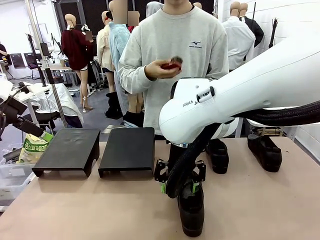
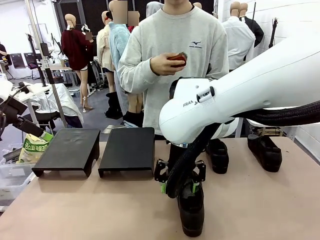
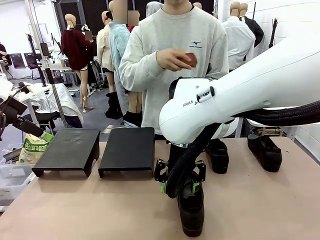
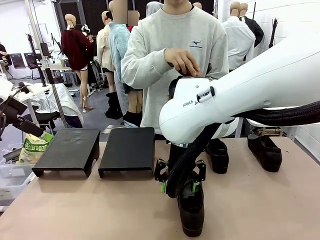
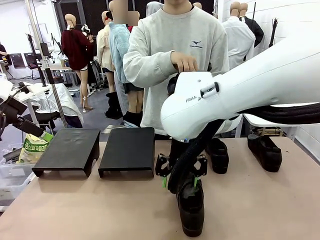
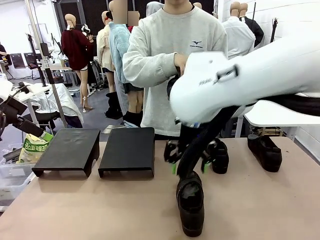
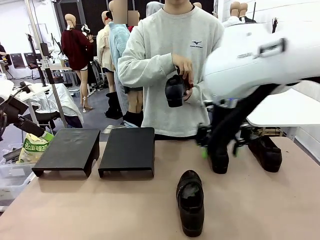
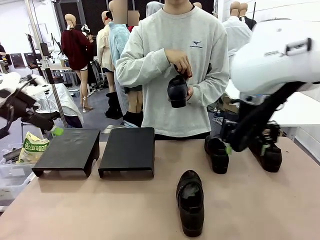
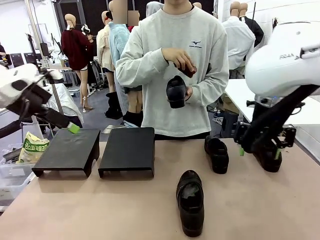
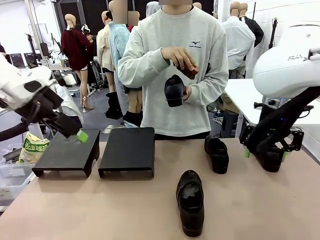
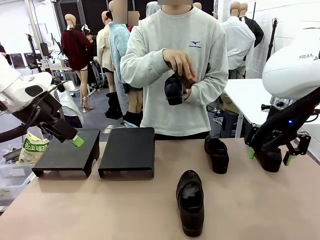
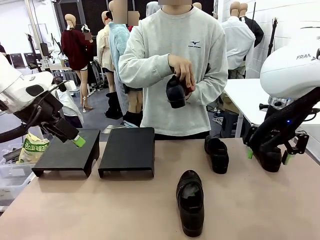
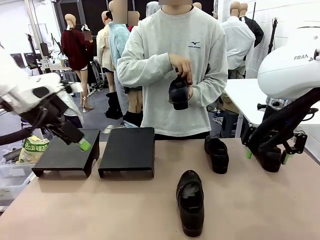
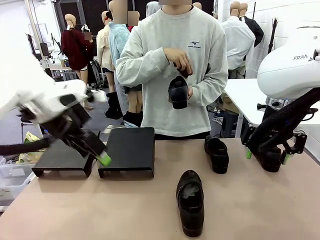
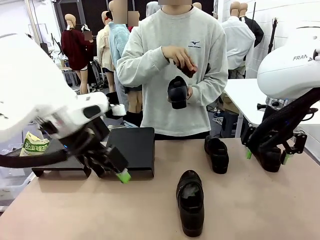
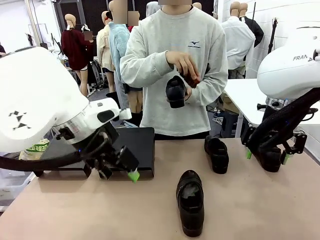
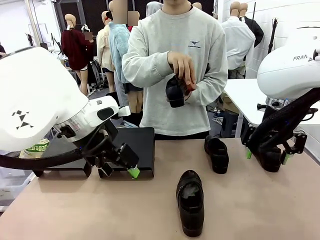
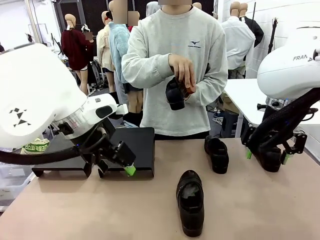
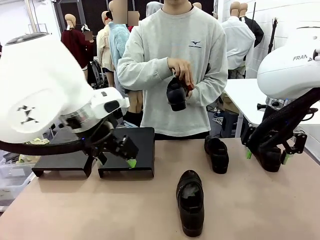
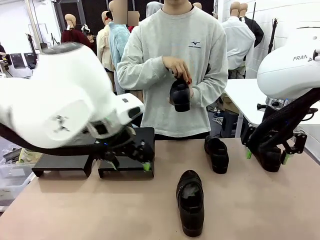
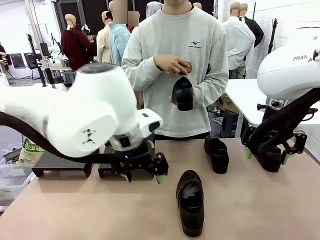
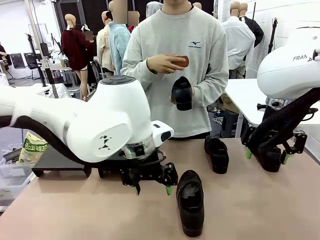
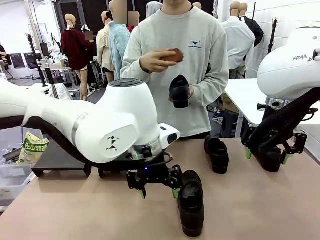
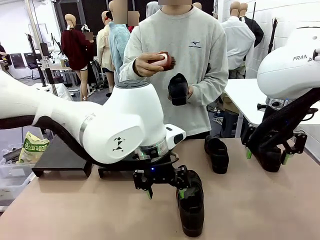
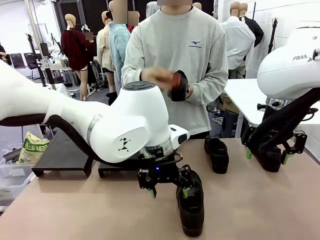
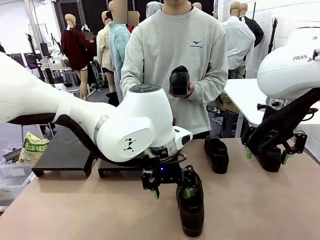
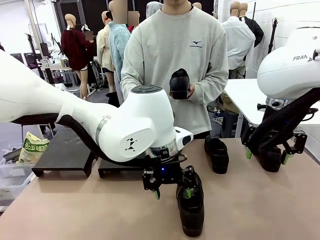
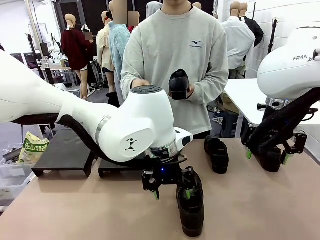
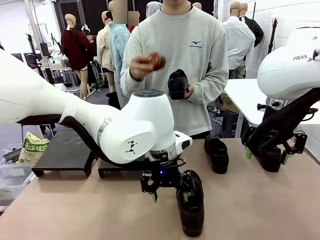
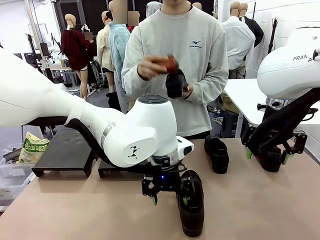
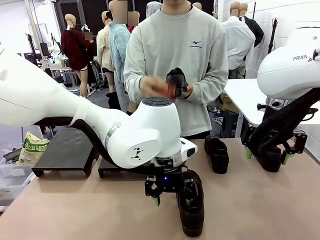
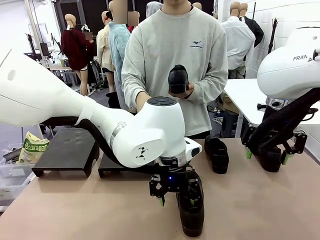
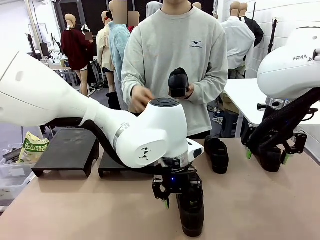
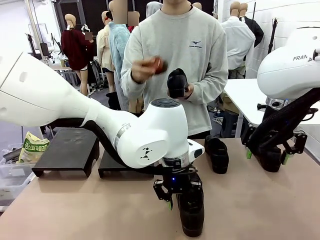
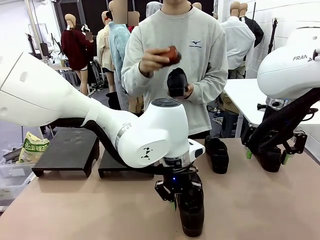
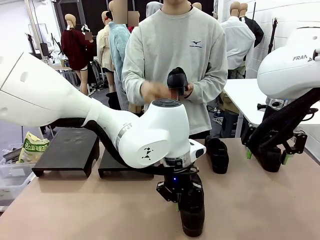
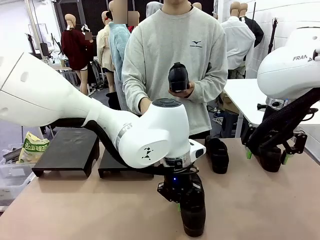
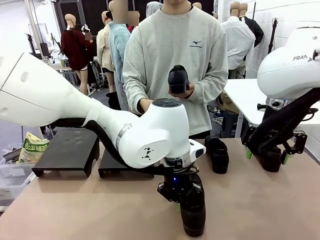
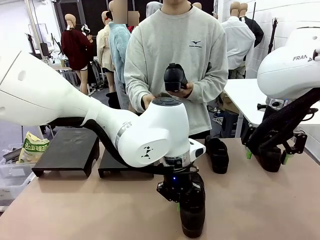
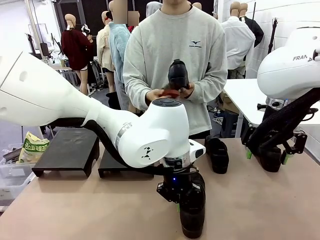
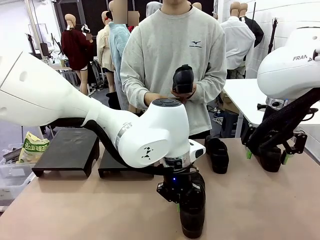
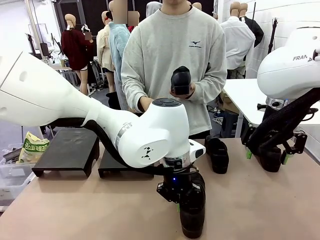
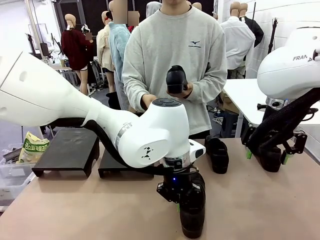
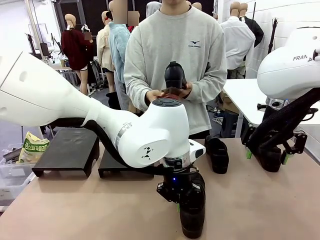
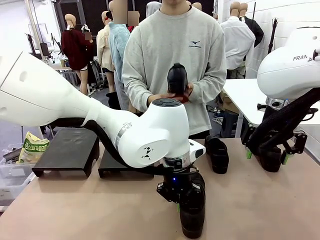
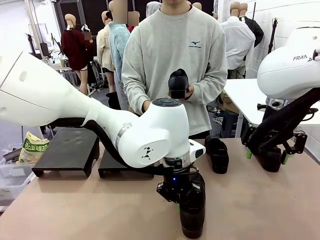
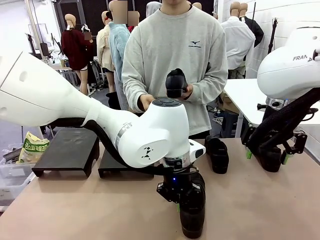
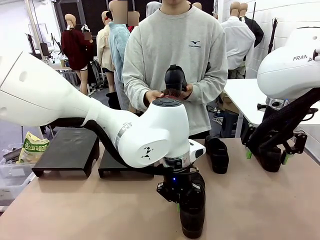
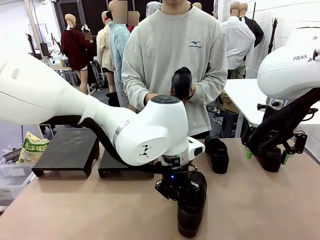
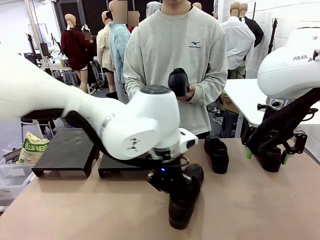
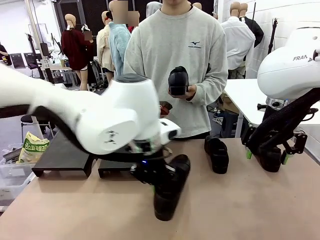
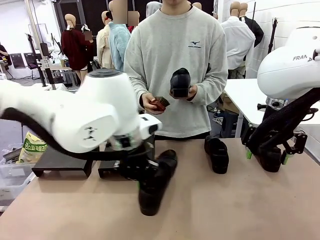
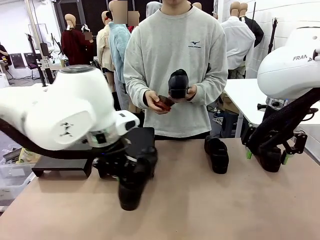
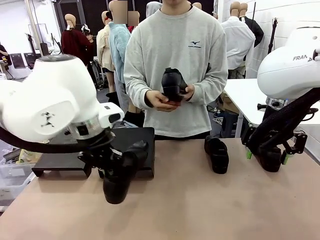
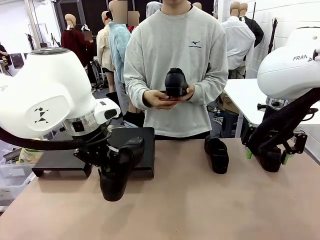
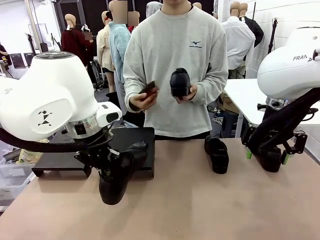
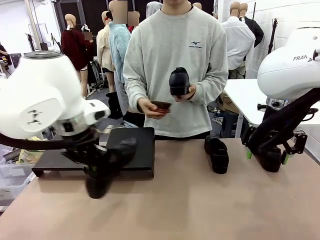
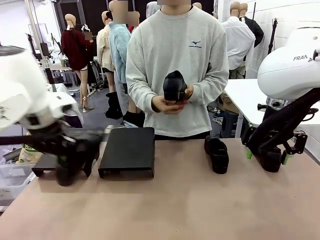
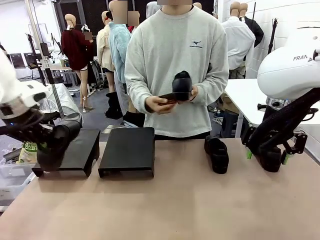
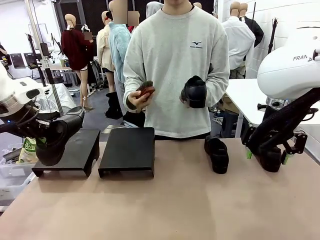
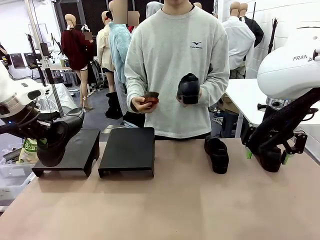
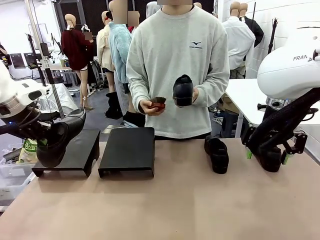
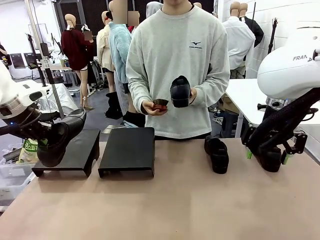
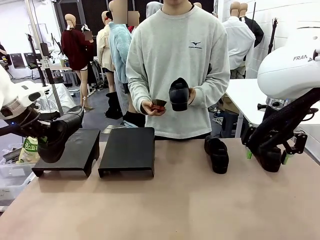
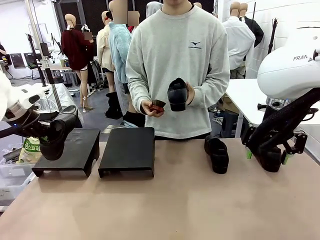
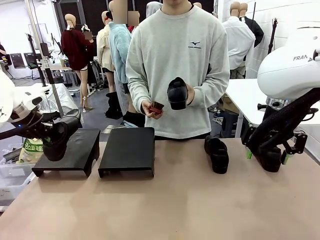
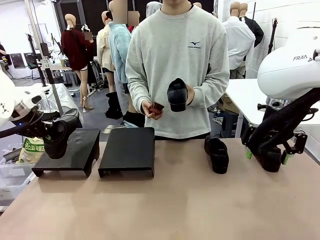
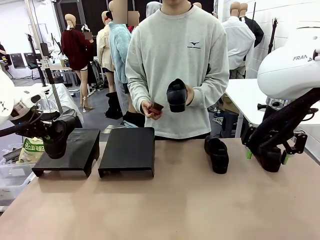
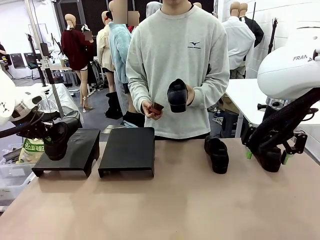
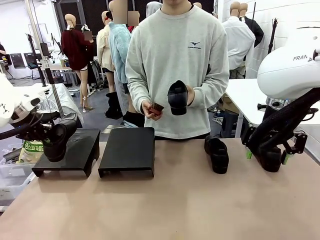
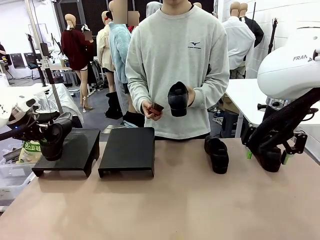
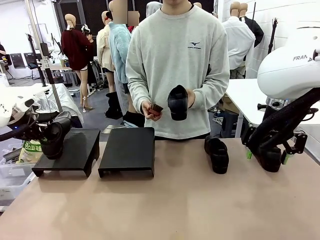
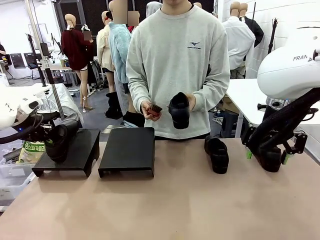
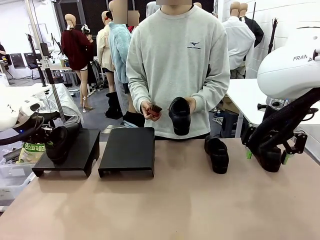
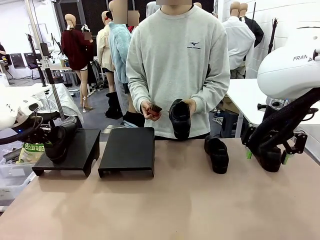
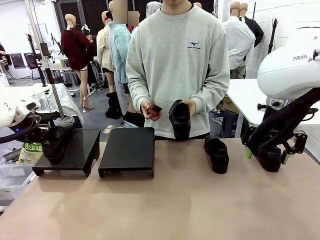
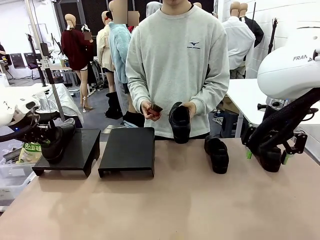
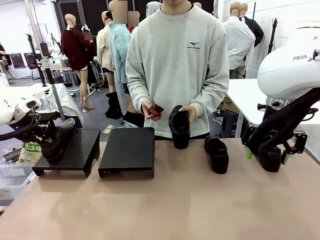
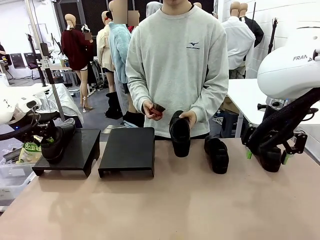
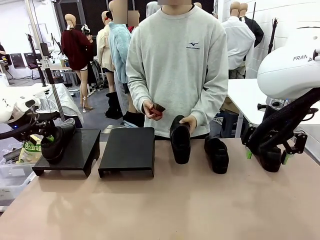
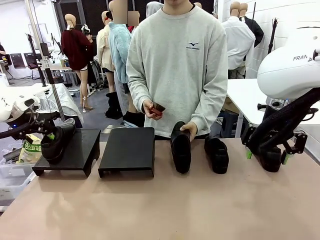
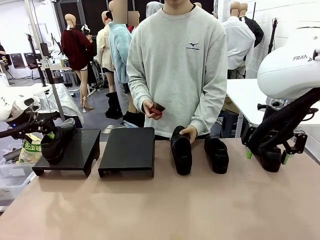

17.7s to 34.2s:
Task: Organize the shoes by placing them on the stand.
Robot: Place the Shoe from the middle of the table onto the Shoes Stand.
Person: Clean the Shoe with the Shoe Brush. Place the Shoe on left side of the Robot's table.
